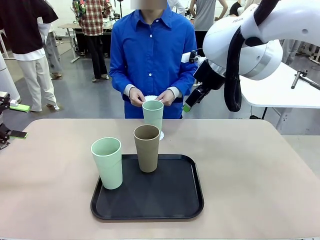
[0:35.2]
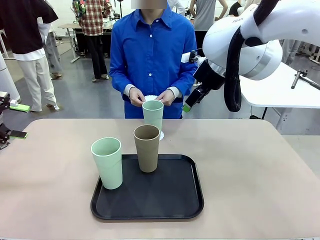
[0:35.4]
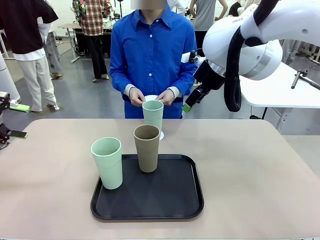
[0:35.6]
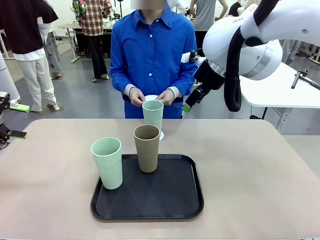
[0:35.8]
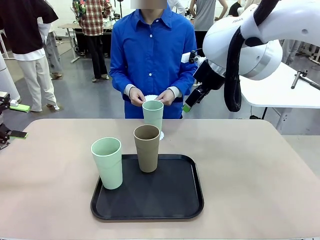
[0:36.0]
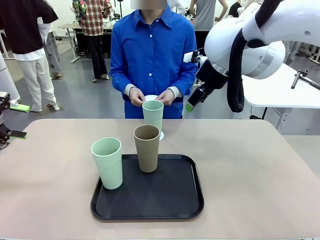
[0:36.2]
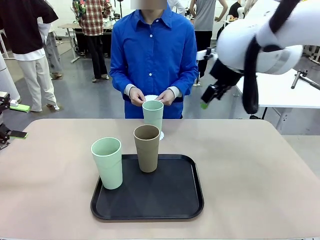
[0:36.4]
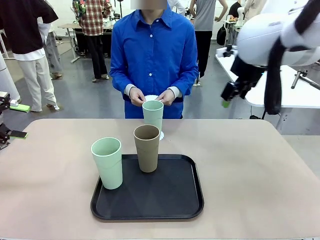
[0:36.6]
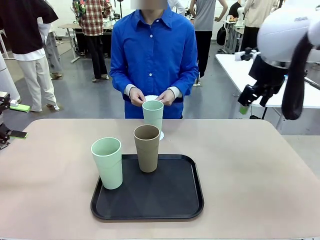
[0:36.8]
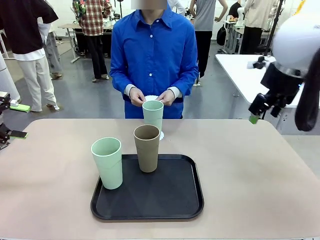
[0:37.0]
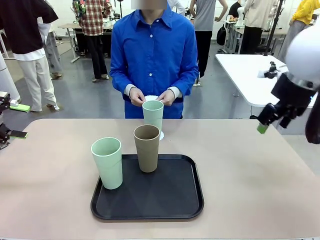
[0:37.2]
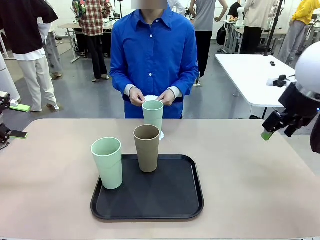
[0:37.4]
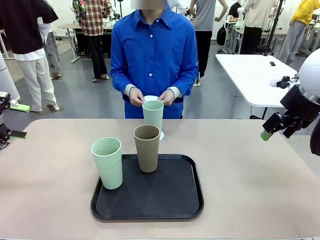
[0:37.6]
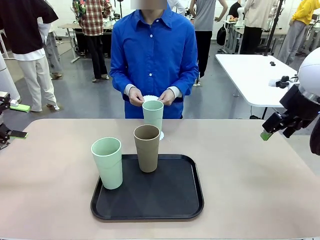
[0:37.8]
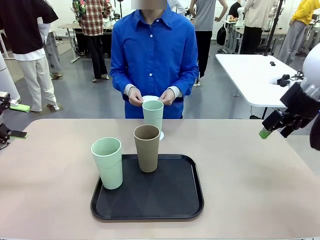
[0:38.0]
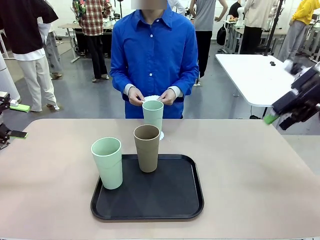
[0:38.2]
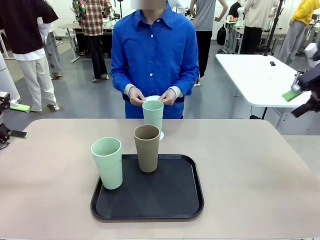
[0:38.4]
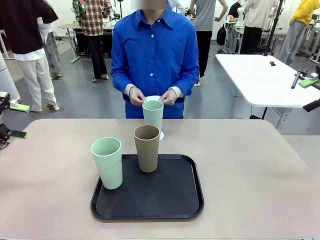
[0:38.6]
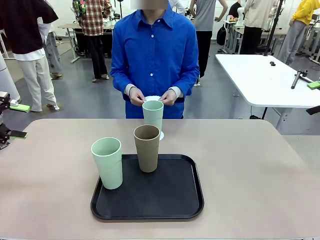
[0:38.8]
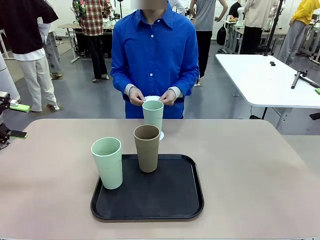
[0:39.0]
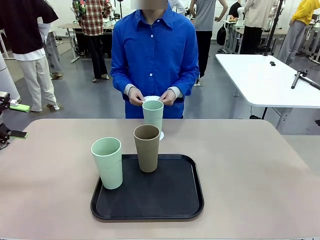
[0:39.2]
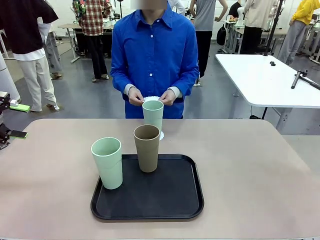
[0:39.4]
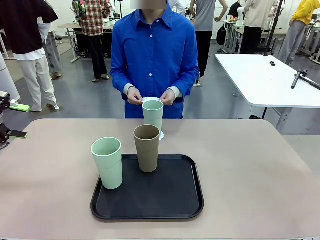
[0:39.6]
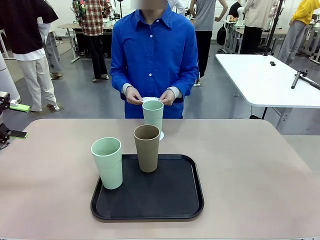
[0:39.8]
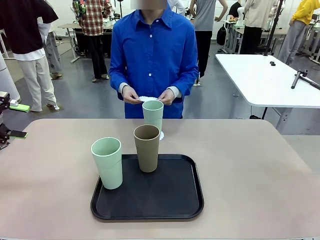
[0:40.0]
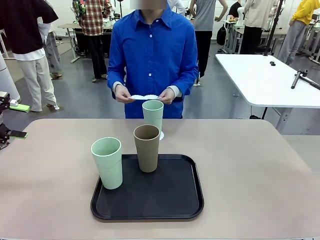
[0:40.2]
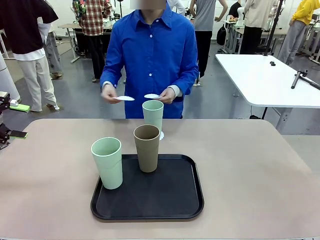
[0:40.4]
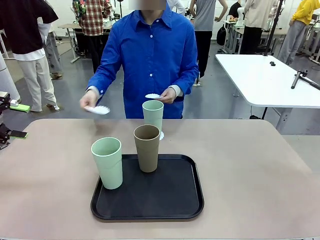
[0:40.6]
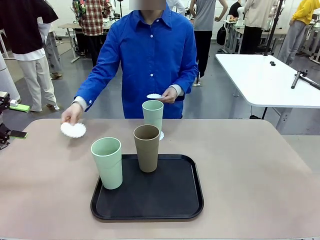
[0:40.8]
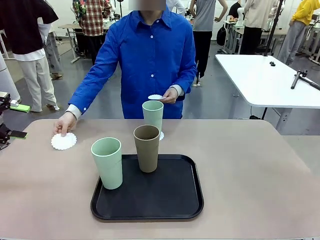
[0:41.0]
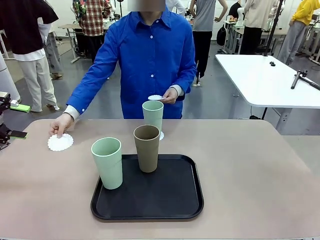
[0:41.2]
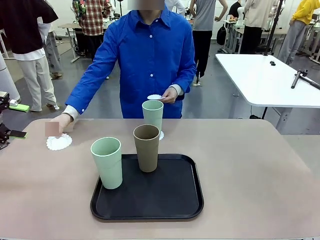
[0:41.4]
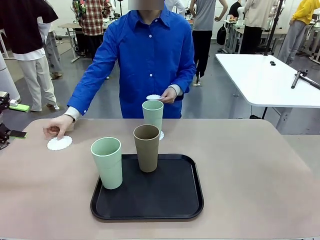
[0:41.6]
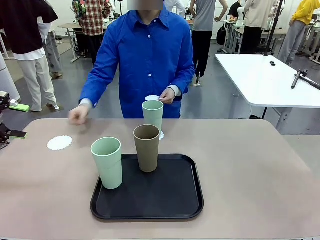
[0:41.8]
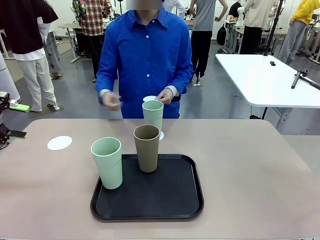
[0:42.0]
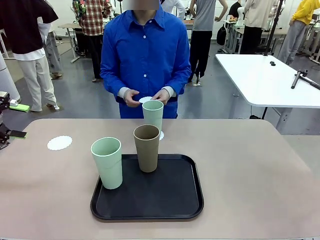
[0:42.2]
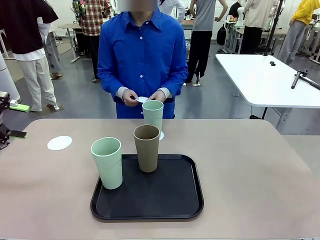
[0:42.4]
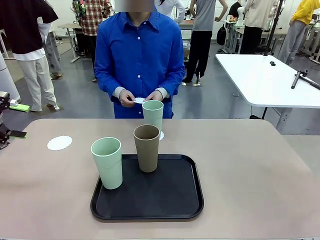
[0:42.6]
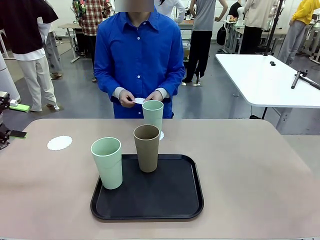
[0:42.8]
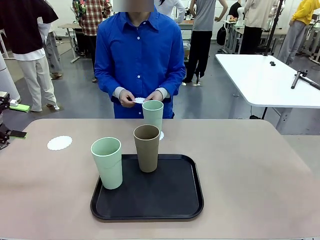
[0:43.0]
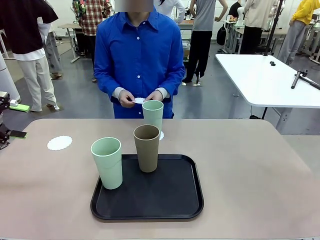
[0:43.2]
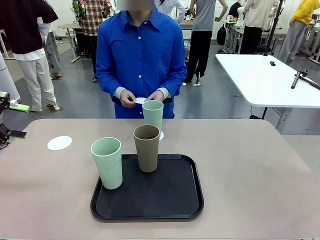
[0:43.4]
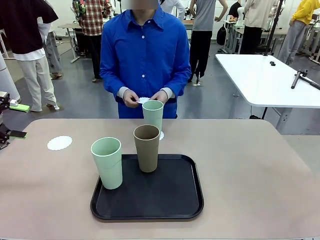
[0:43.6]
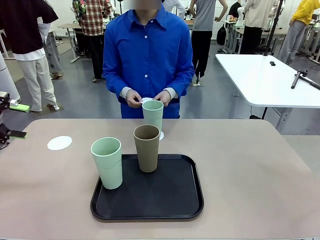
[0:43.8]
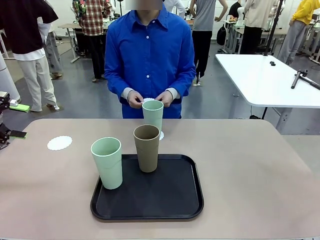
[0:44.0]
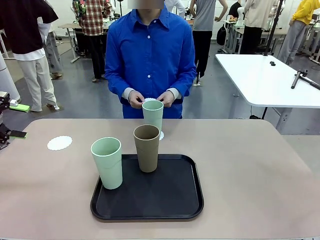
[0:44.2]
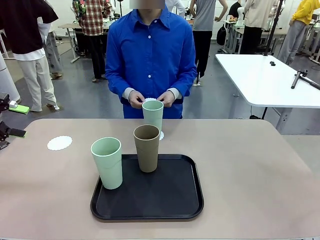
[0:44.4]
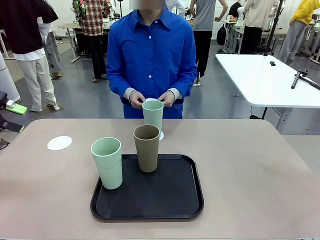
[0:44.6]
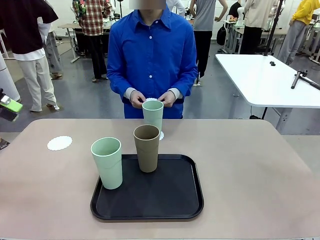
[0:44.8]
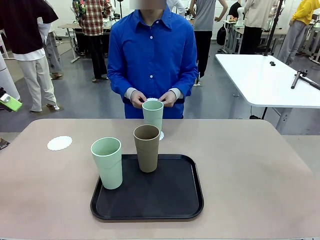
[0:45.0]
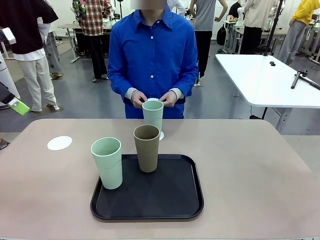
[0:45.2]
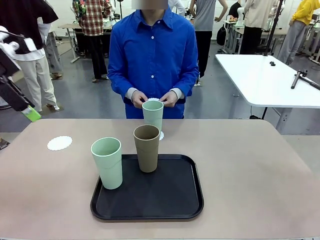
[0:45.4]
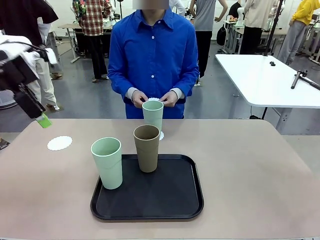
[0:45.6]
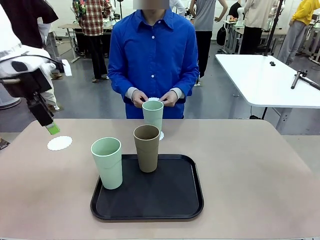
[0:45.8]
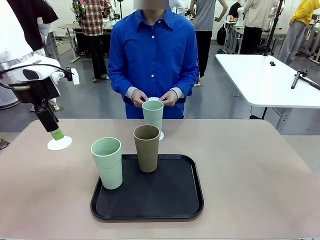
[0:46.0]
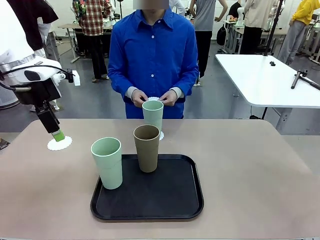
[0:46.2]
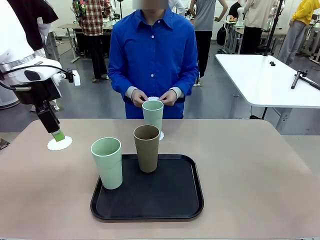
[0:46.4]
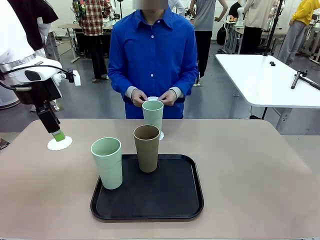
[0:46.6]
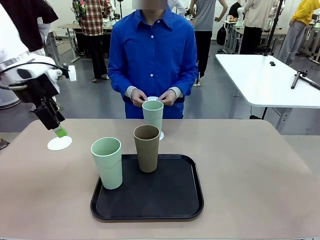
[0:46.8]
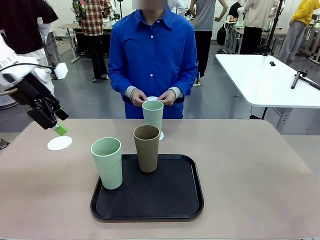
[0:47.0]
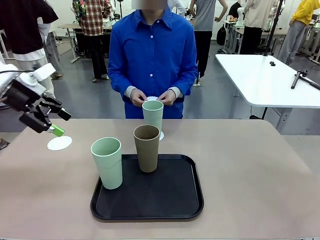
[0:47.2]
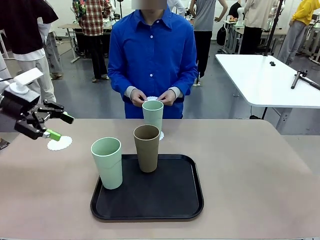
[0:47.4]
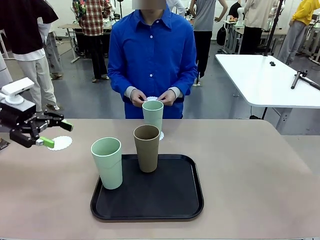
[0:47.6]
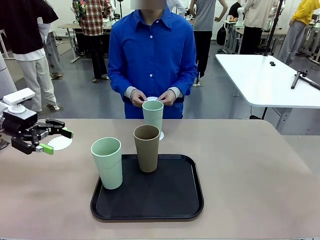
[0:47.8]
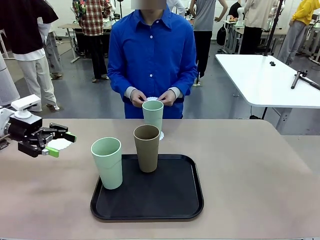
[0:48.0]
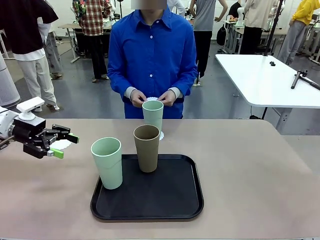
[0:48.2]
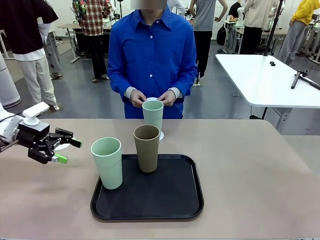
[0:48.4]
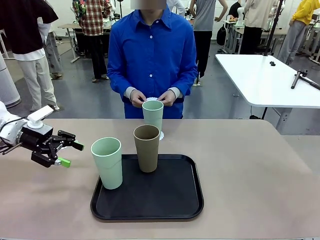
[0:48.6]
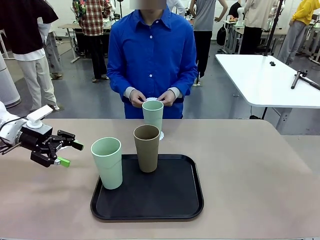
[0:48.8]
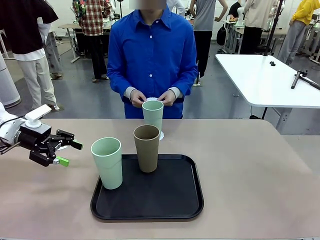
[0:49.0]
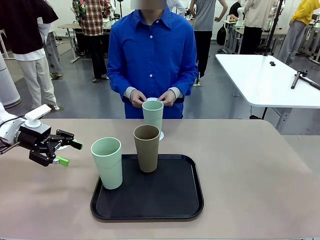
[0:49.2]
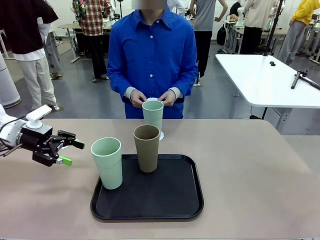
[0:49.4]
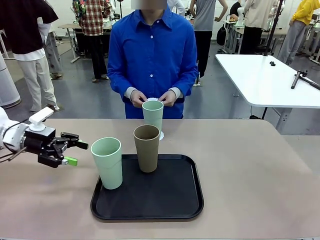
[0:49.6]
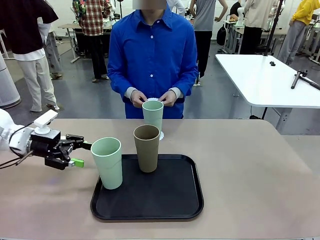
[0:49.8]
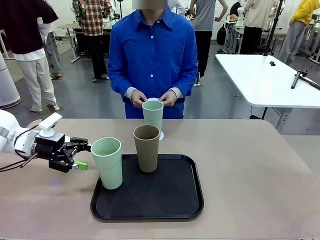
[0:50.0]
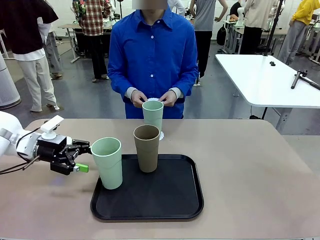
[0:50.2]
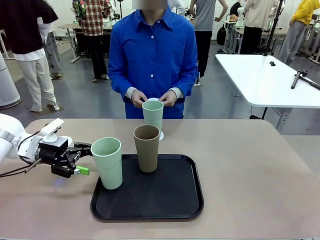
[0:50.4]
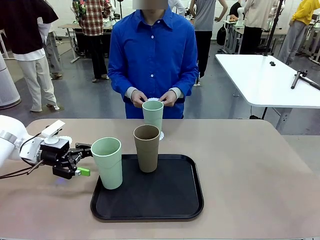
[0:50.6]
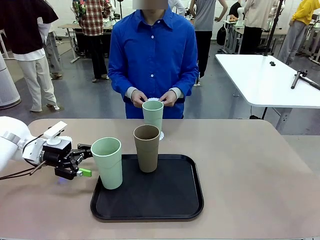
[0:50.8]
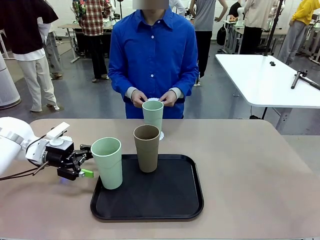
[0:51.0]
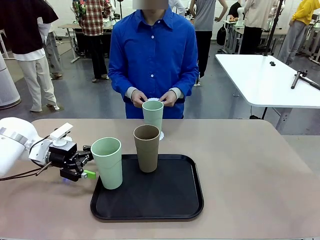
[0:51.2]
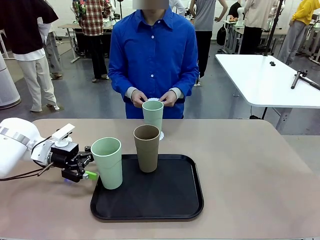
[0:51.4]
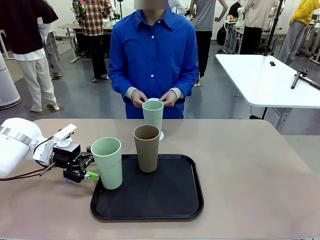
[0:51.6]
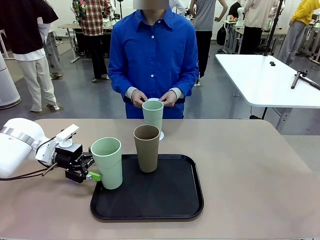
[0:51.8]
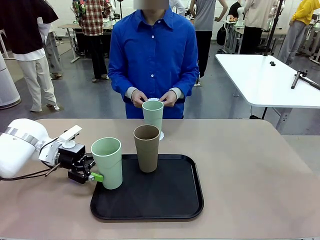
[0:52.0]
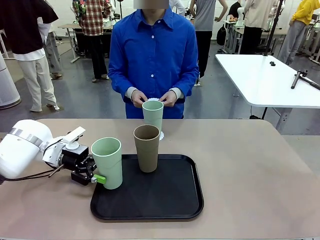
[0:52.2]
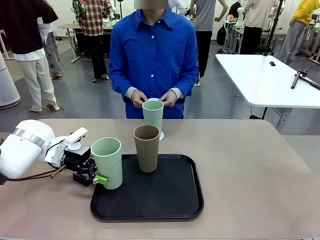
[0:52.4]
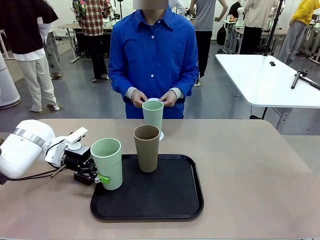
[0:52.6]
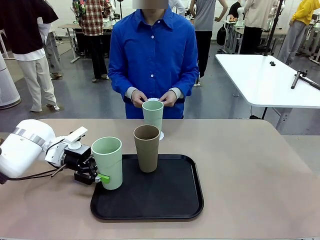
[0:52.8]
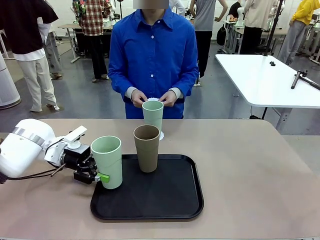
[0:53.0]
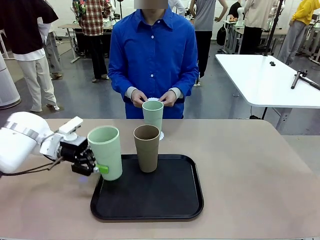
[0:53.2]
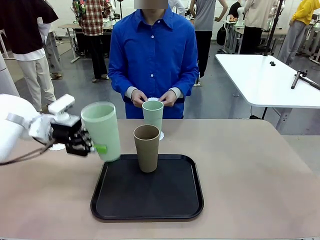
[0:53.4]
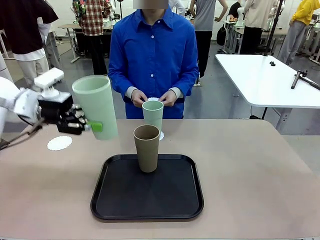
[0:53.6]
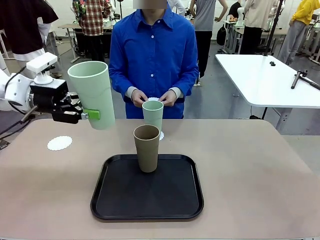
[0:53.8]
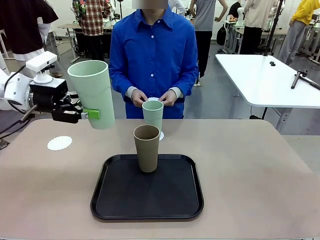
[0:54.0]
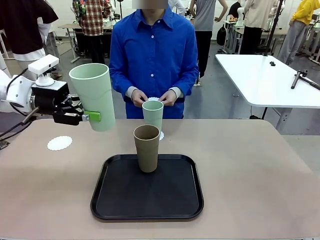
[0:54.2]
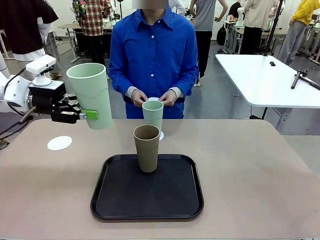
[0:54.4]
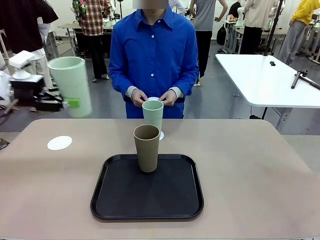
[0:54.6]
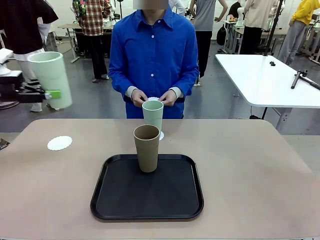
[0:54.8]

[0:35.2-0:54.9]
Task: Place coasters on the table and set cups on them.
Robot: Take one Reusable plastic cup from the Flat Tray and place it on a coaster set by the human.
